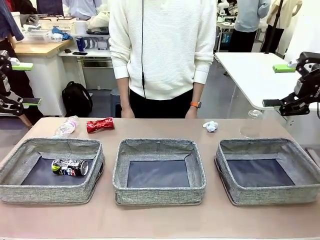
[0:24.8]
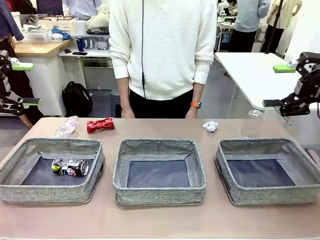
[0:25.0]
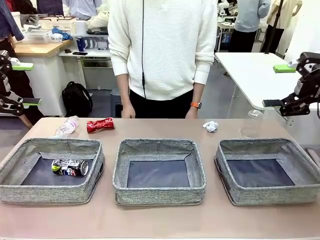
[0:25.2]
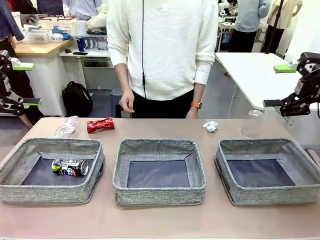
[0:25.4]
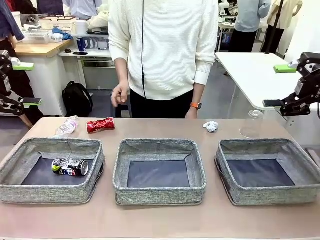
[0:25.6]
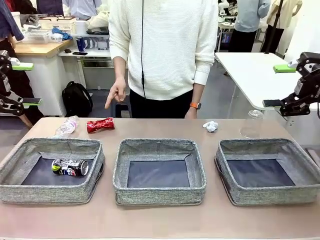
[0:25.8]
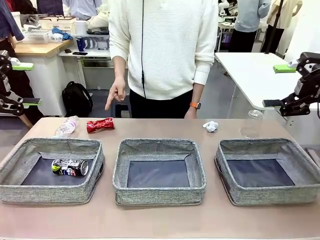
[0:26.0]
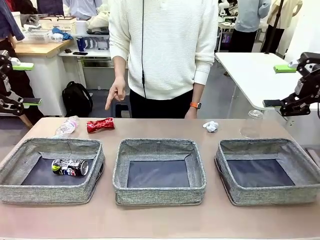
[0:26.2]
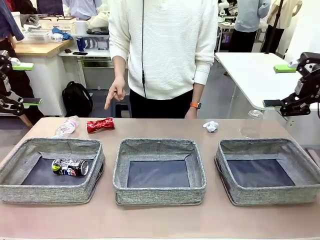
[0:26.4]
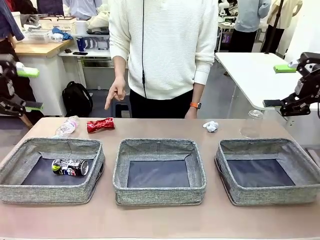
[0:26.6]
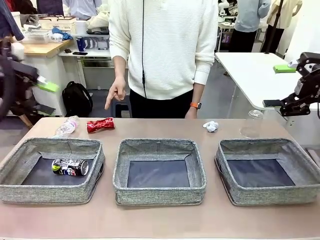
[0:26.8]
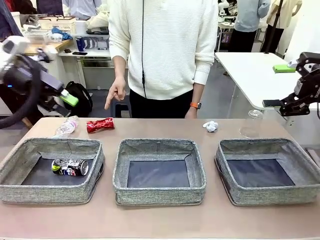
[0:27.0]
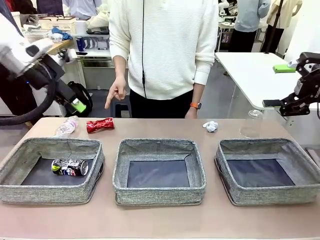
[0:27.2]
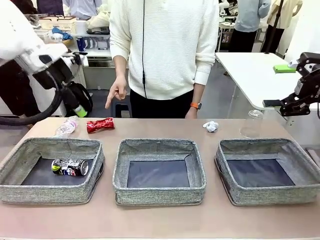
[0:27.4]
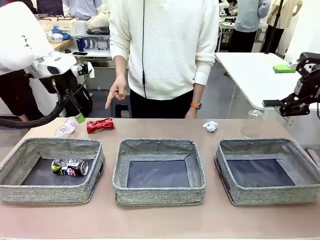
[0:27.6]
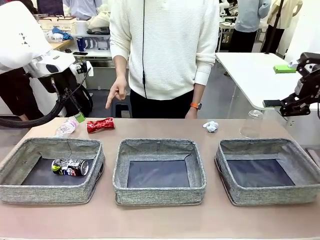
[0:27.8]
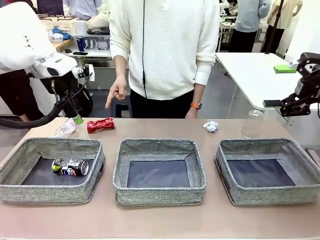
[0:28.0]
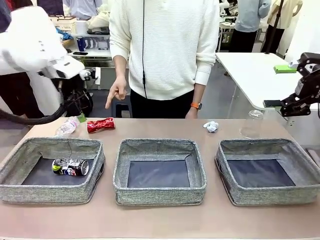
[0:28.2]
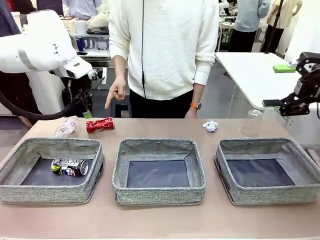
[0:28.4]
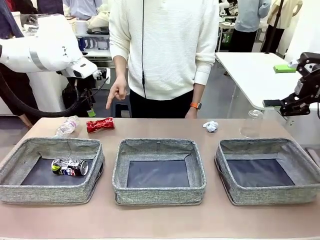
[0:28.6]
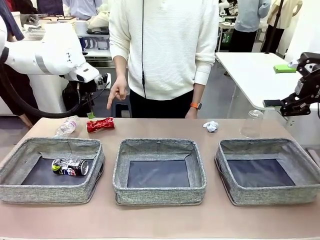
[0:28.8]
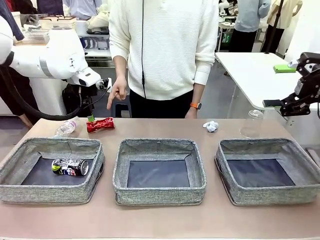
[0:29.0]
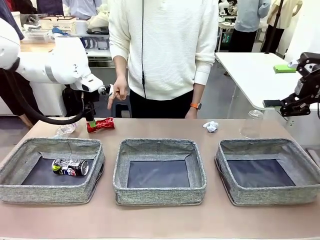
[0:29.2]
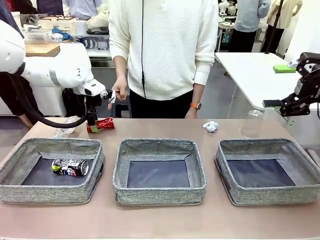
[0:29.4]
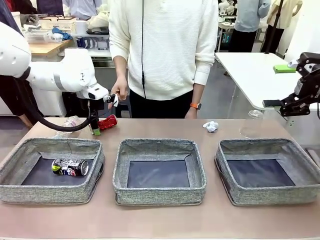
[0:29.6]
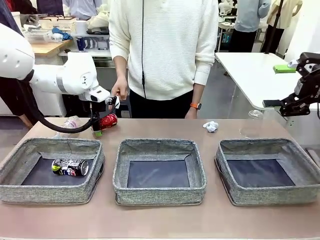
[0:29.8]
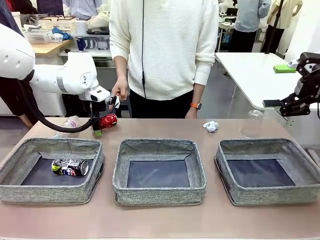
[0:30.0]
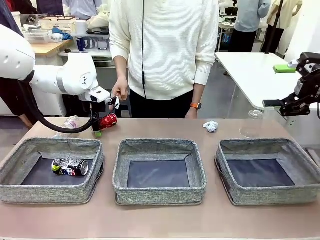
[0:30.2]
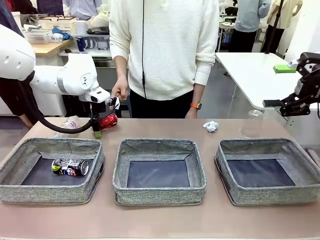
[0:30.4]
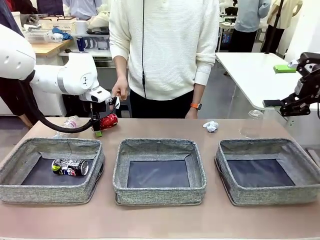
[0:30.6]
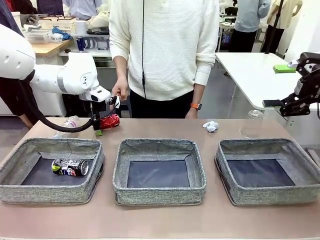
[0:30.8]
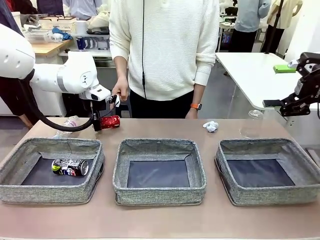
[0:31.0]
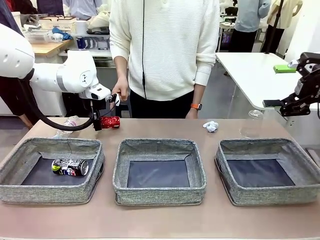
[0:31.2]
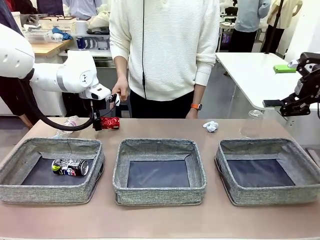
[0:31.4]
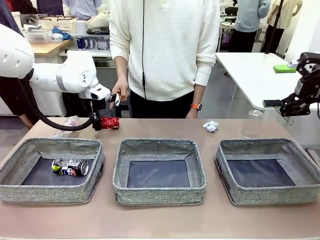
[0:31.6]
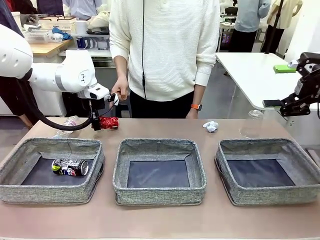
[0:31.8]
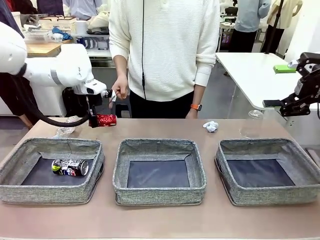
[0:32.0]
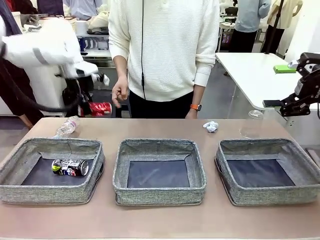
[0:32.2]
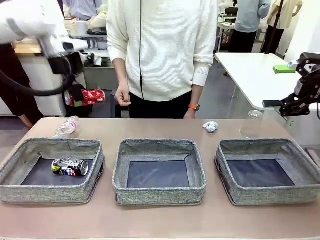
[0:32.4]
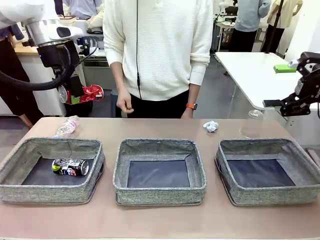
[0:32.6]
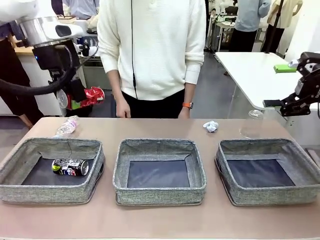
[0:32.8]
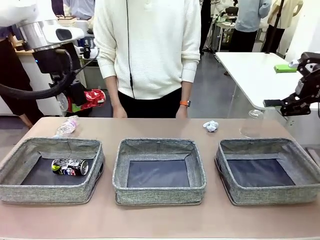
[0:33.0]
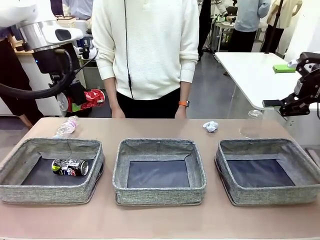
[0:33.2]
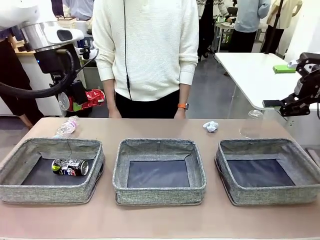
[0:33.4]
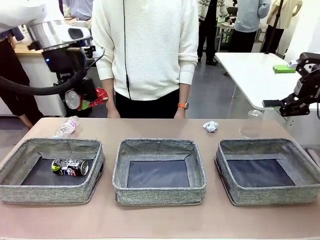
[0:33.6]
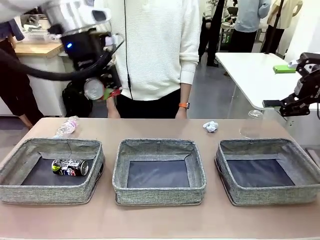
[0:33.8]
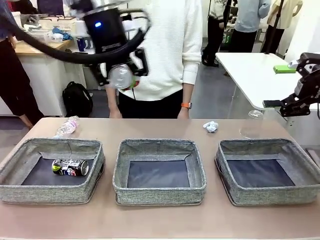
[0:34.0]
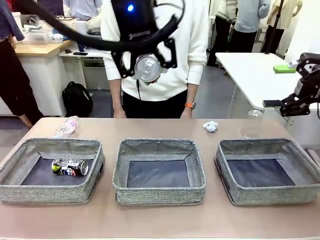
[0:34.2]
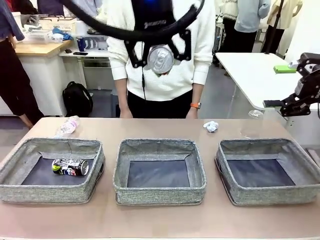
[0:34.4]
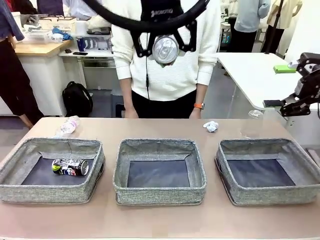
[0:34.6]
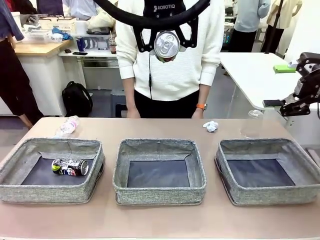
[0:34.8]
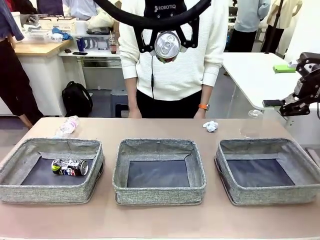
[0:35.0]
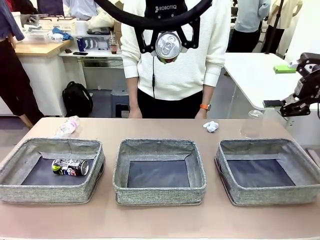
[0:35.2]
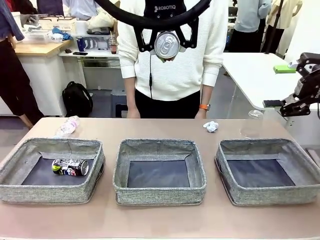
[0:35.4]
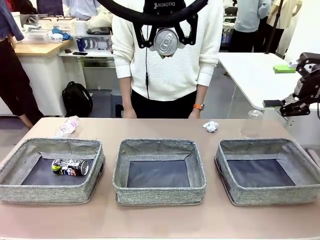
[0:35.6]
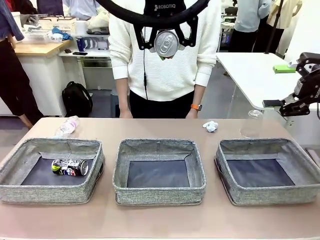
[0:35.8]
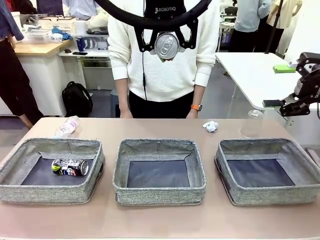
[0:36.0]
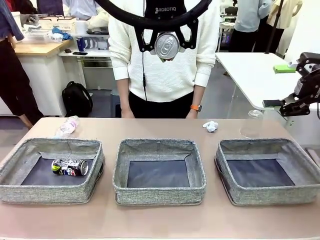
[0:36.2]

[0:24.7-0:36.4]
Task: Sort the waste into the appropriate baskets.
Robot: Pick up the waste item pointed out by the person.
Person: Points to one piece of trash on the table.

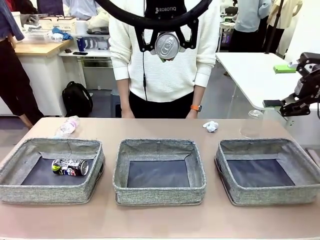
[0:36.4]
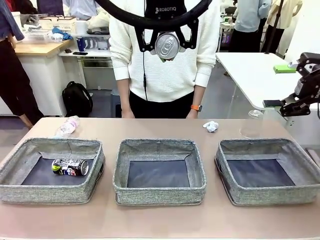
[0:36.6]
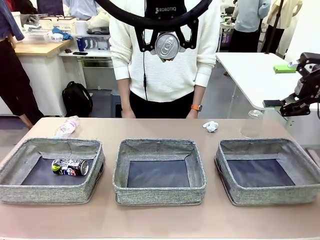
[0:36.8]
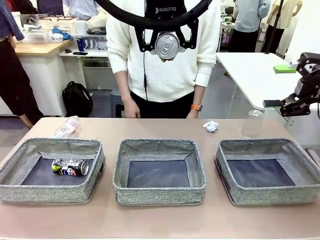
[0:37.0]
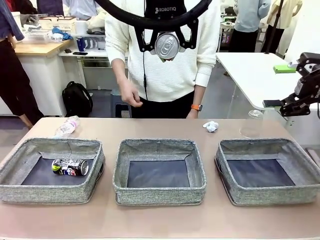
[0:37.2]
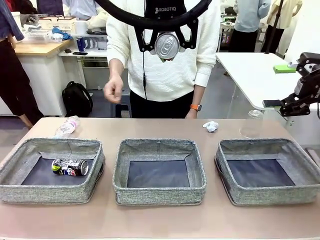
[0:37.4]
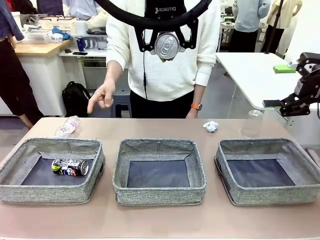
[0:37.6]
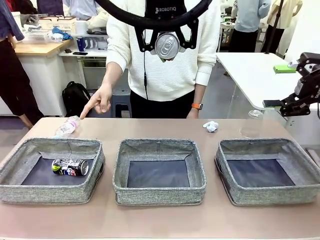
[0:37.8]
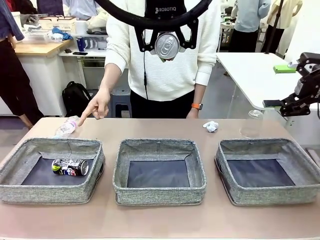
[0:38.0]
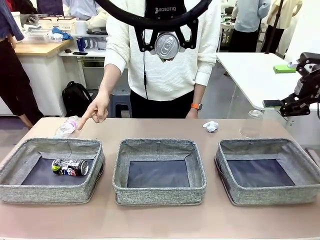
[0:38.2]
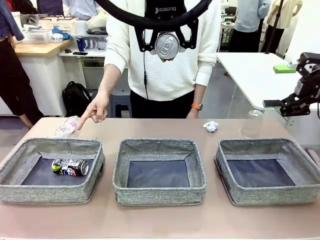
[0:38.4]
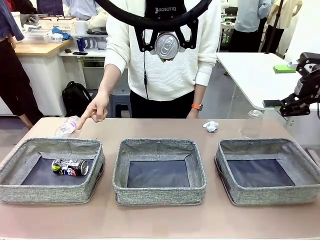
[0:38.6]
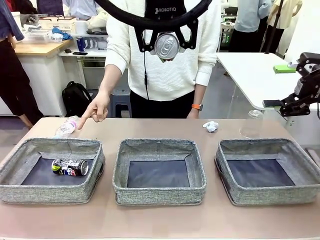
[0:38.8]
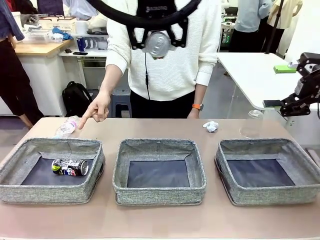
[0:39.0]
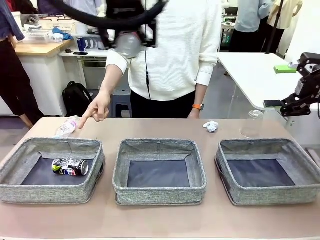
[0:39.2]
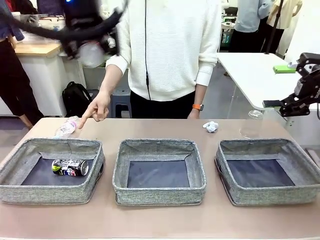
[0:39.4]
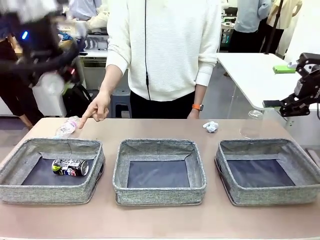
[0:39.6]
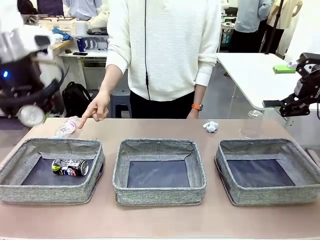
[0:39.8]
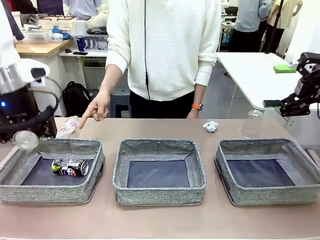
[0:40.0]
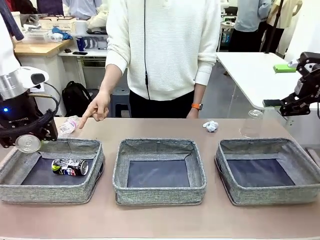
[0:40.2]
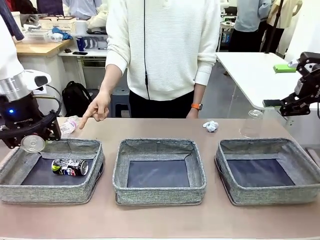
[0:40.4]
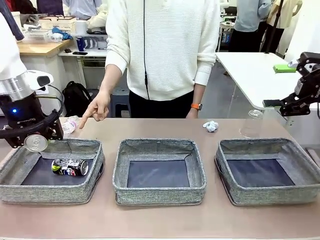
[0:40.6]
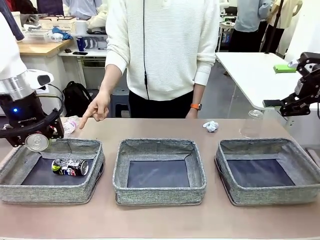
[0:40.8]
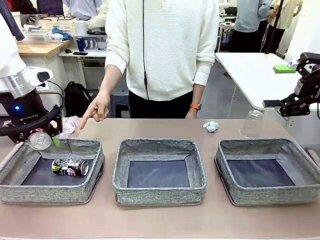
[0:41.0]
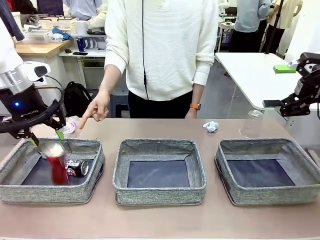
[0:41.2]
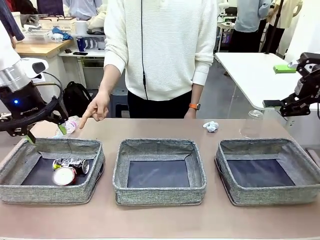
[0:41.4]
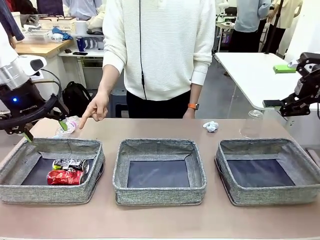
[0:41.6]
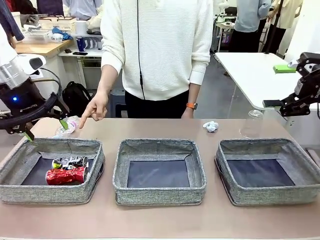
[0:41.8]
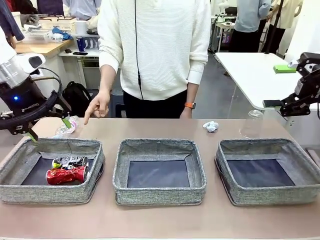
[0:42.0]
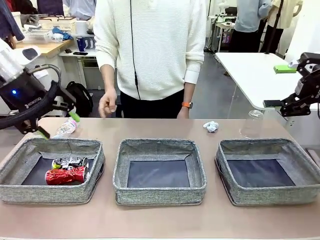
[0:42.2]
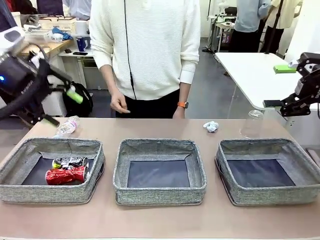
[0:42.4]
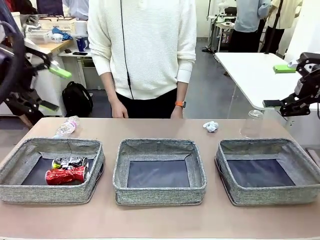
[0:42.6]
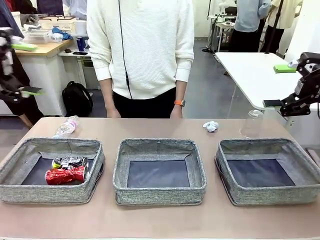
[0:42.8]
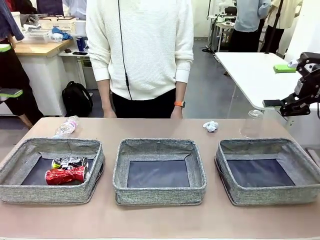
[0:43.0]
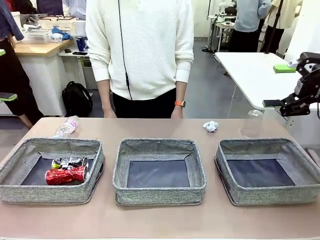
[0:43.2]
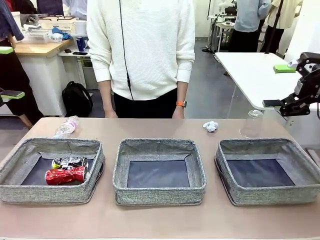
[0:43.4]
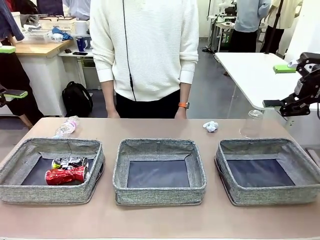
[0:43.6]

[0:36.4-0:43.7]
Robot: Place the picked waste into the Fabric basket indicated by the person.
Person: Instructs the robot to place the picked-up trash into the appropriate organizing basket.
